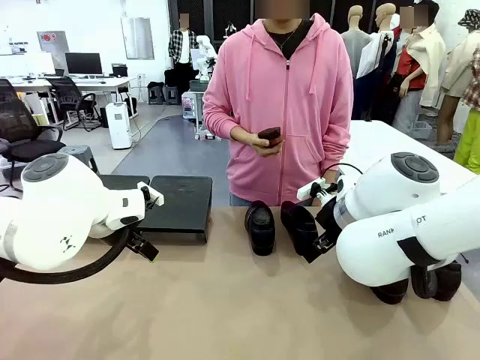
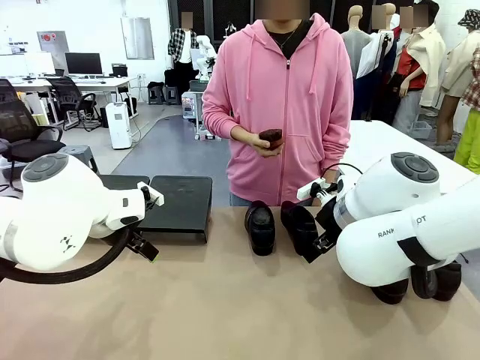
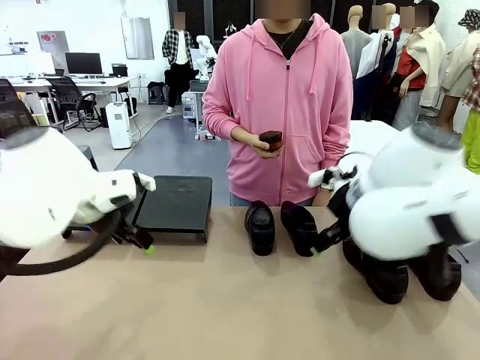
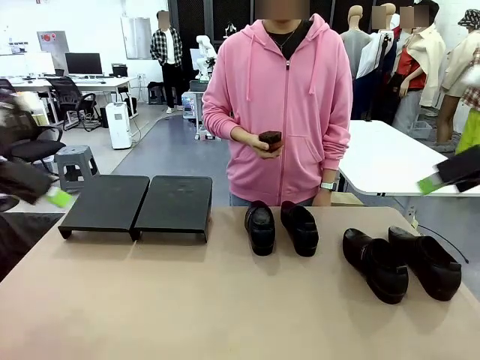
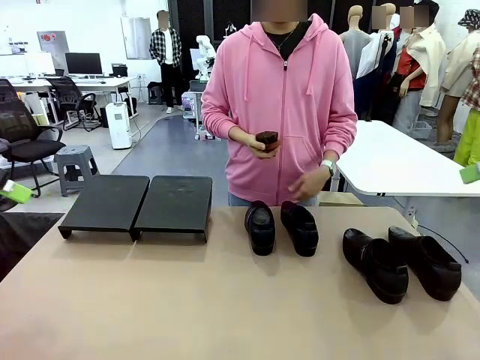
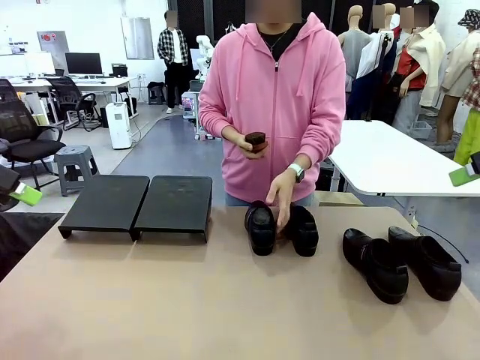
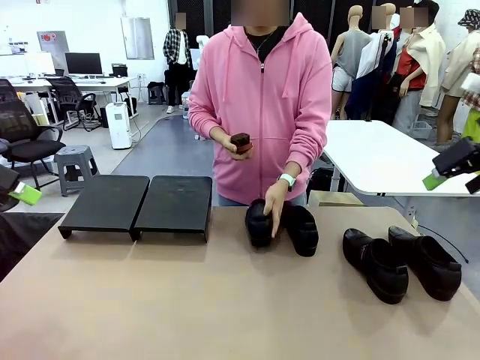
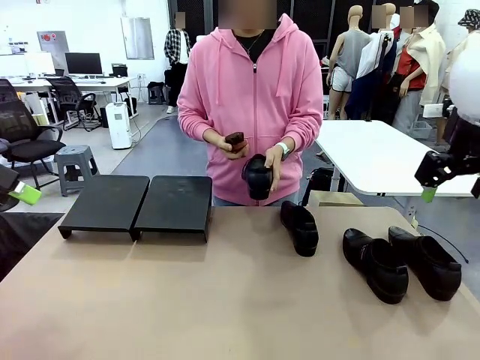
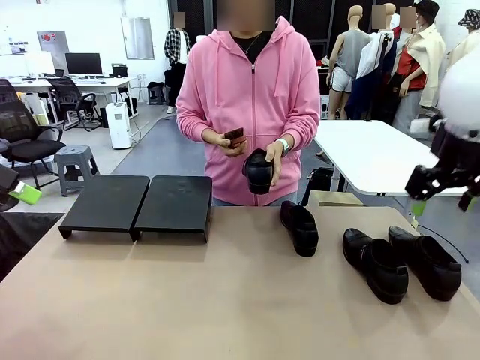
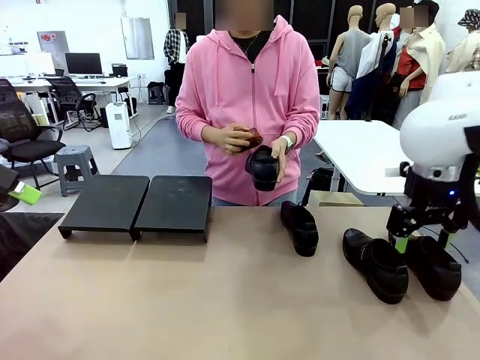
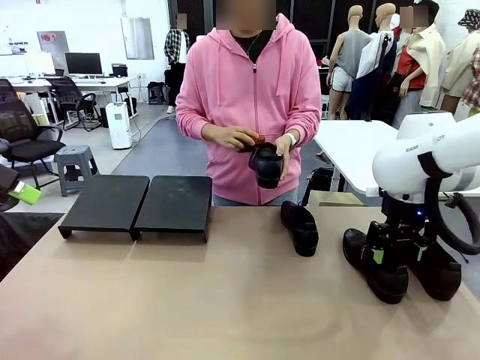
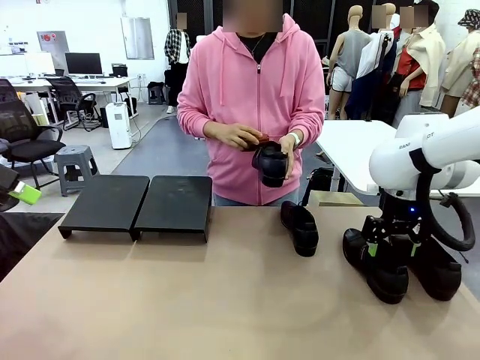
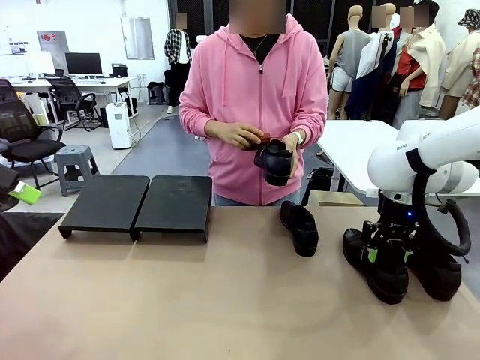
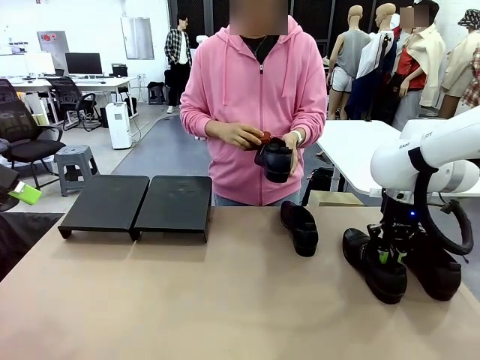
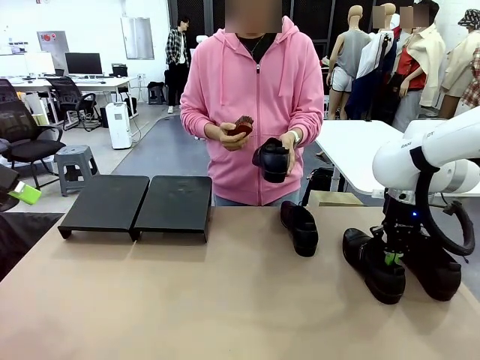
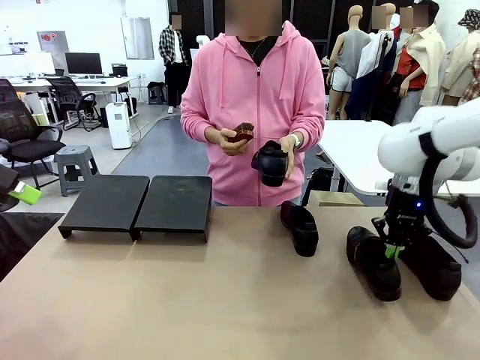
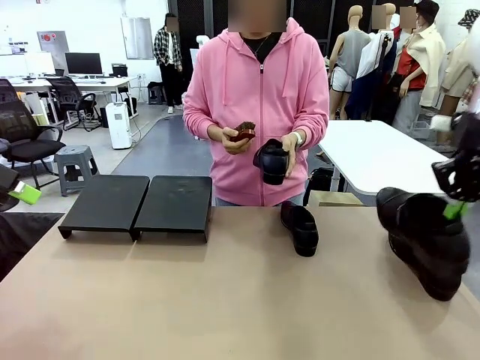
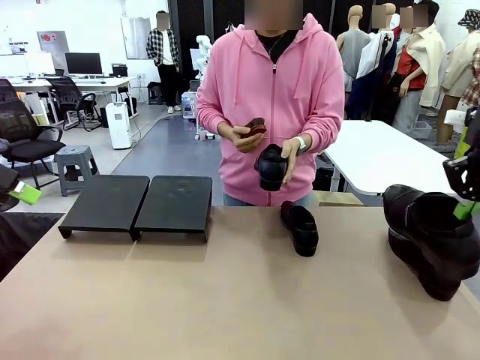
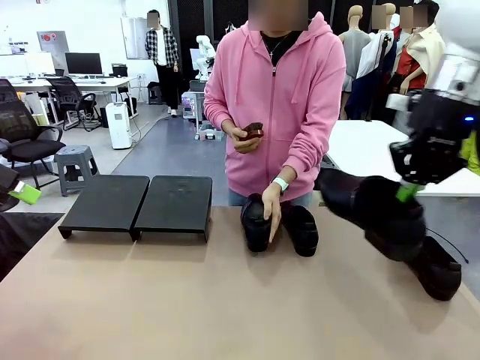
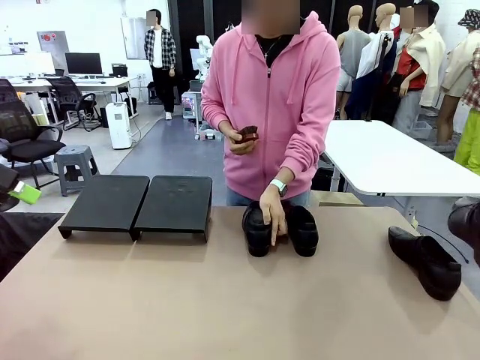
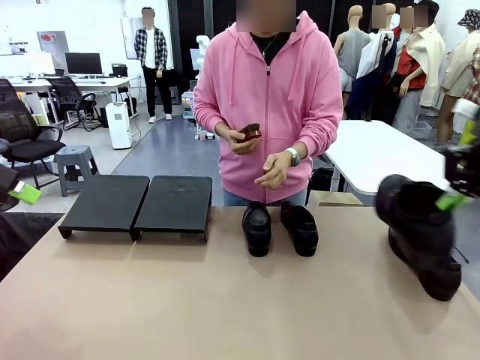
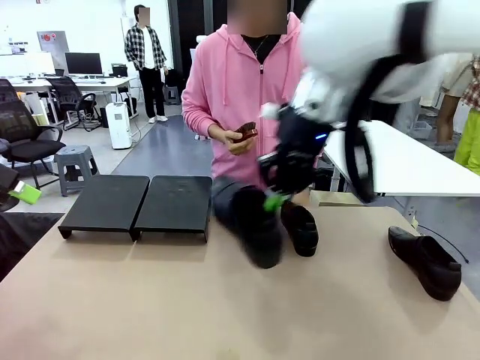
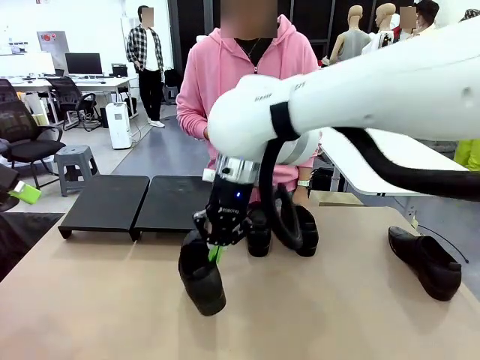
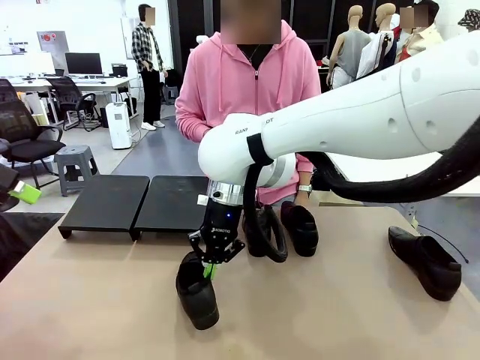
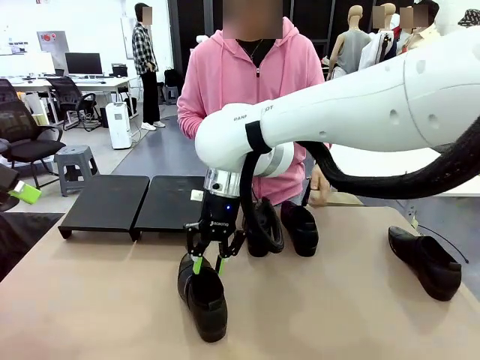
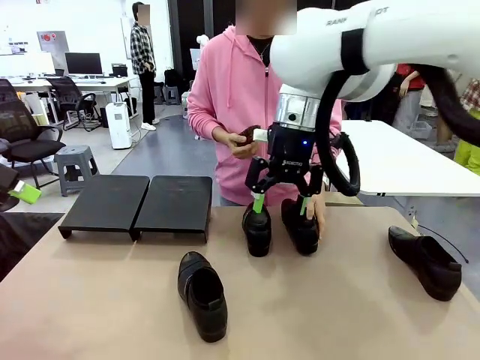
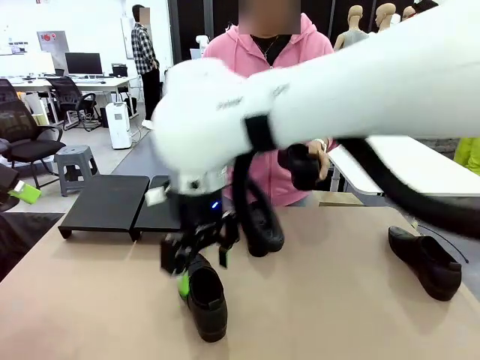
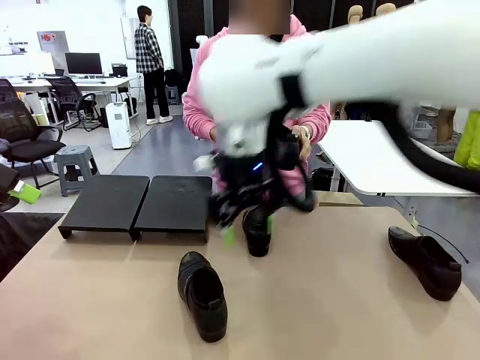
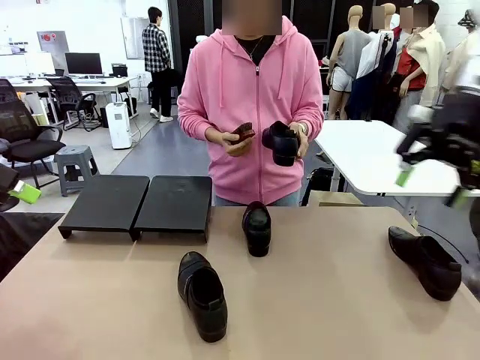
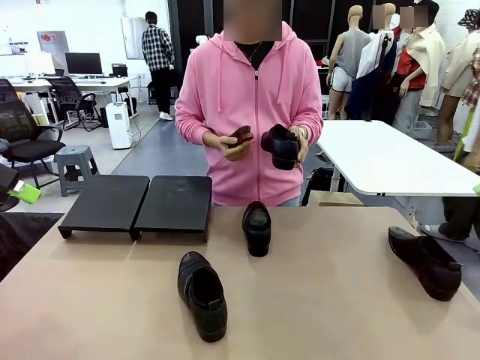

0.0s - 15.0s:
Task: Organize the shoes by placing them on the stand.
Robot: Pick up one Shoe and place it in the middle of the table.
Person: Pick one Shoe on Robot's table. Clean the Shoe with the Shoe Brush. Place the Shoe on left side of the Robot's table. Pick one Shoe on Robot's table.

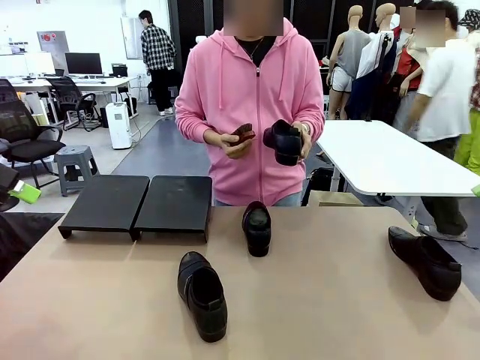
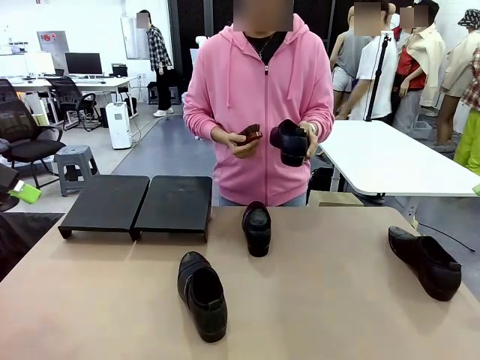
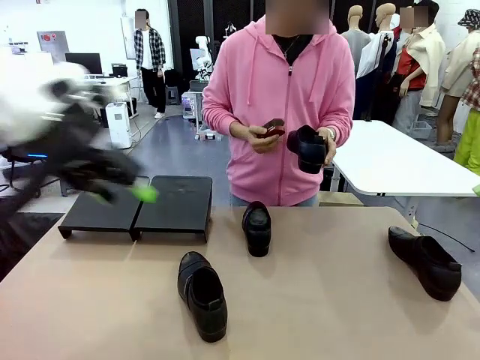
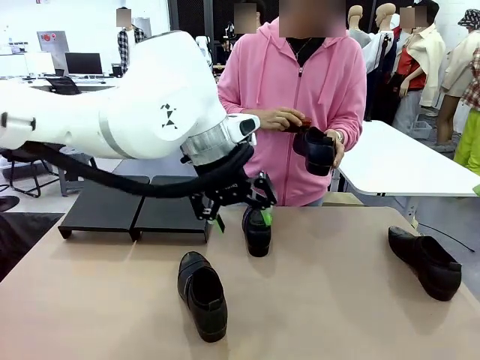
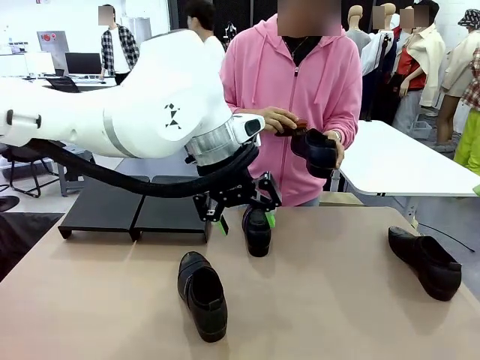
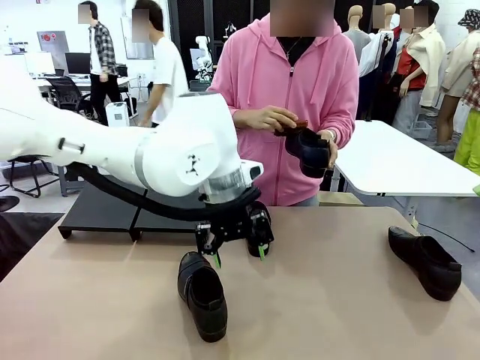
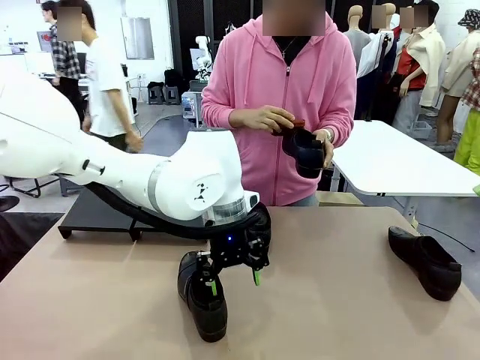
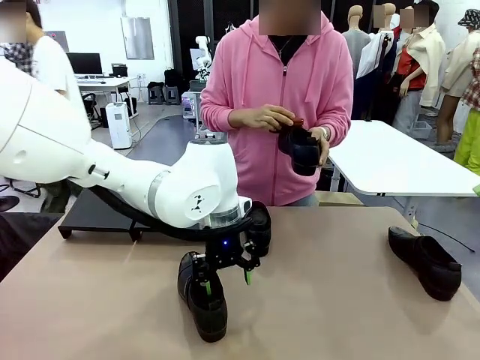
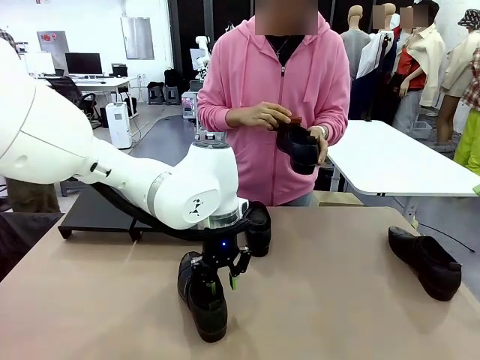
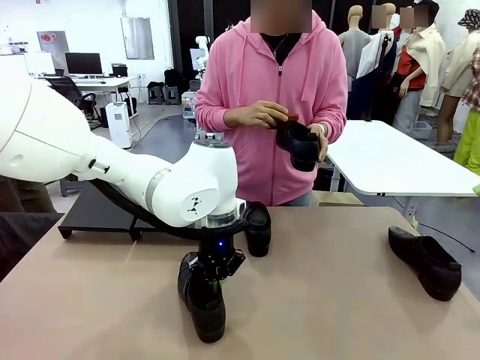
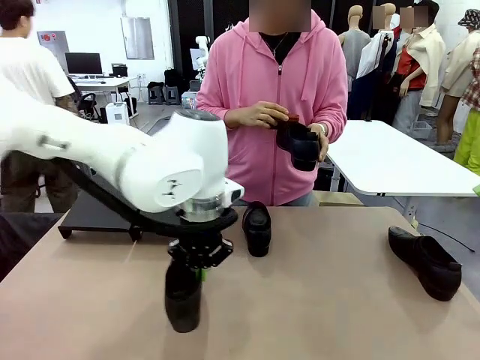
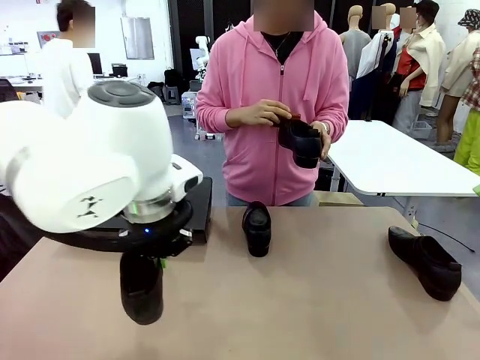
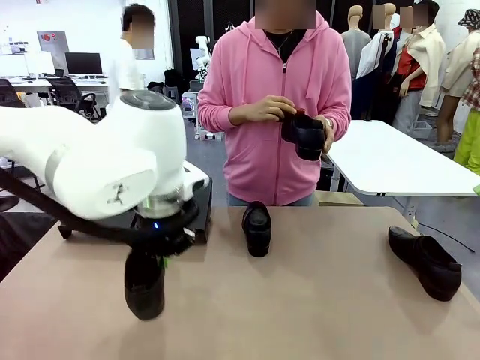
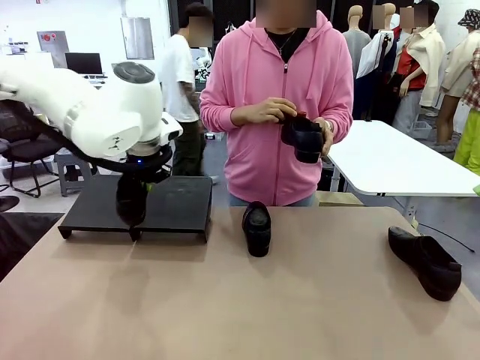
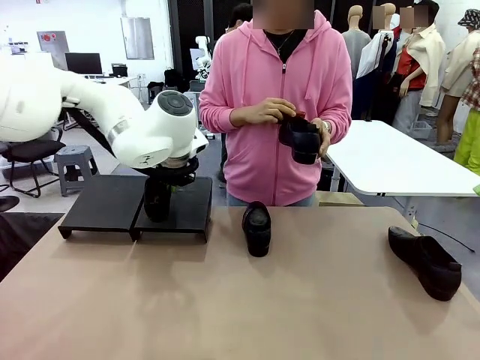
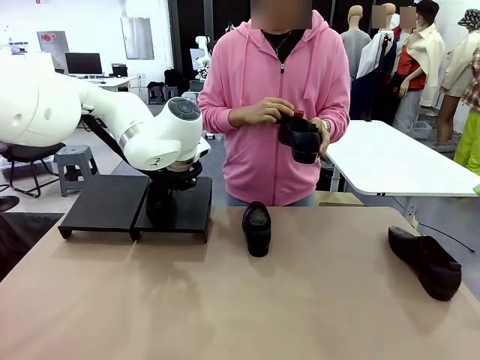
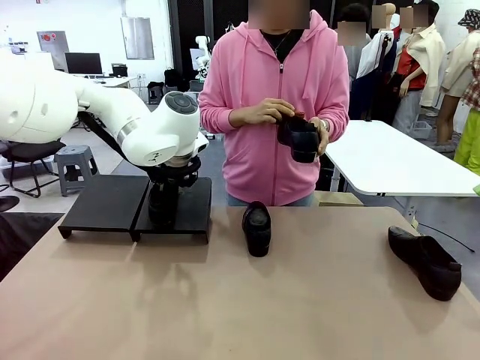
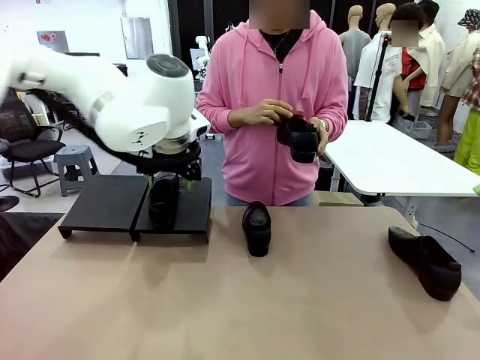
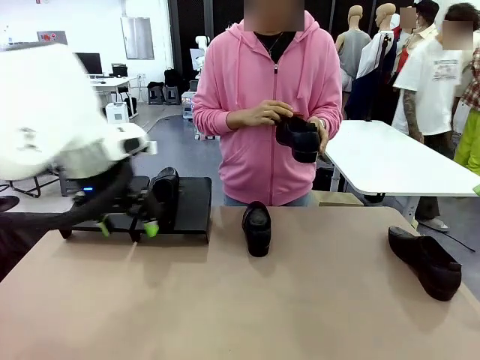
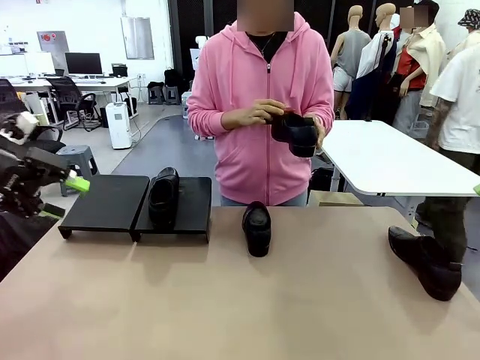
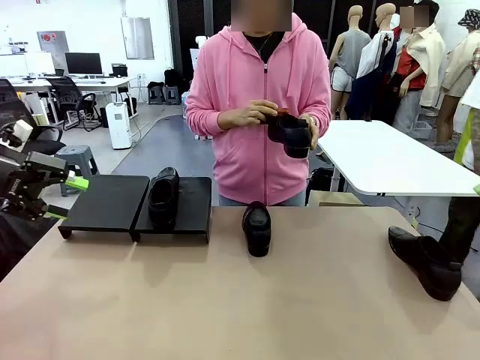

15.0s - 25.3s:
Robot: Place the Shoe from the middle of the table onto the Shoes Stand.
Person: Clean the Shoe with the Shoe Brush.
